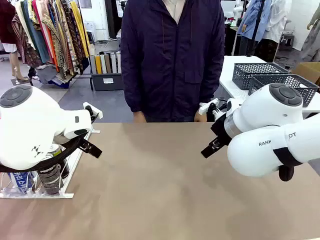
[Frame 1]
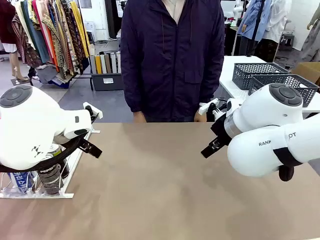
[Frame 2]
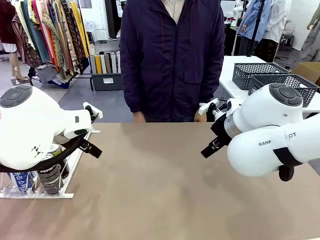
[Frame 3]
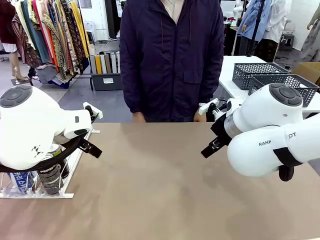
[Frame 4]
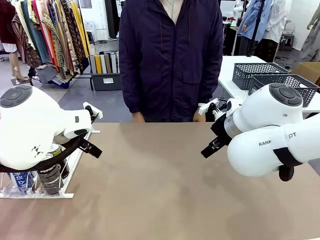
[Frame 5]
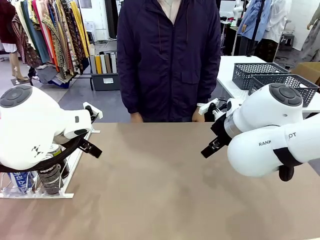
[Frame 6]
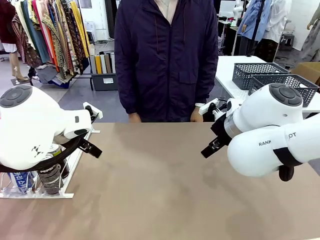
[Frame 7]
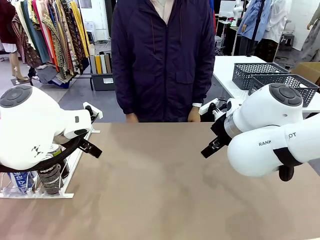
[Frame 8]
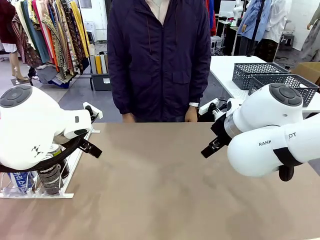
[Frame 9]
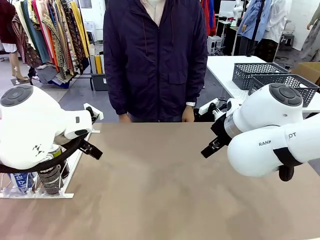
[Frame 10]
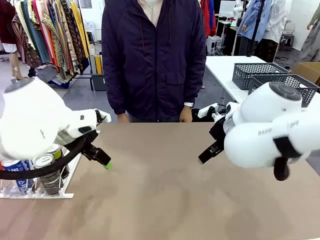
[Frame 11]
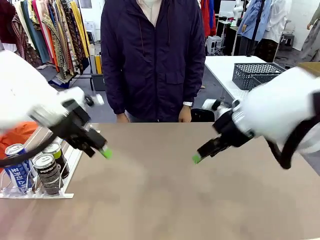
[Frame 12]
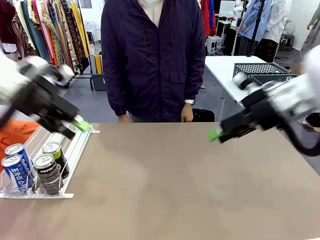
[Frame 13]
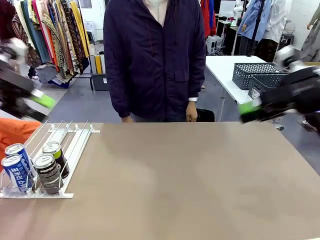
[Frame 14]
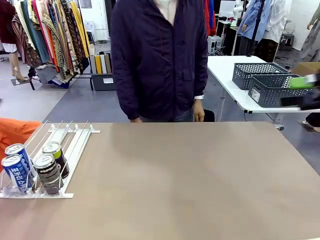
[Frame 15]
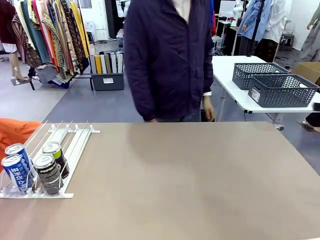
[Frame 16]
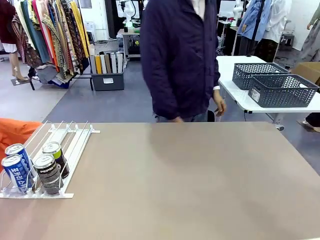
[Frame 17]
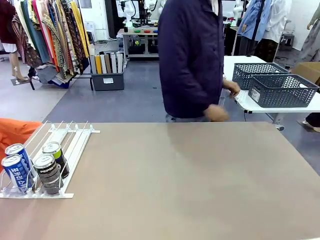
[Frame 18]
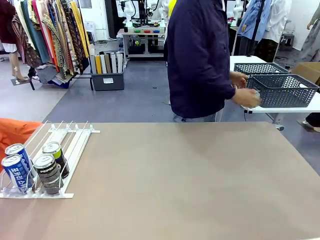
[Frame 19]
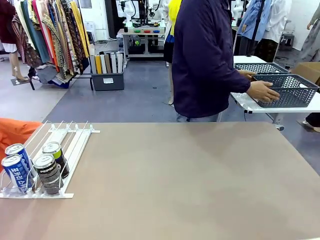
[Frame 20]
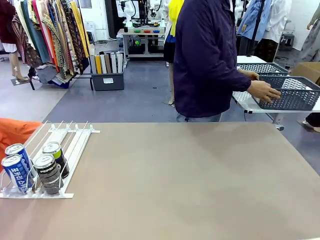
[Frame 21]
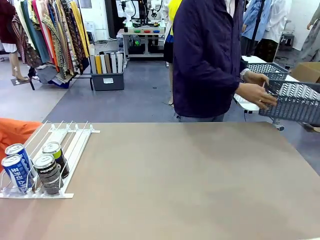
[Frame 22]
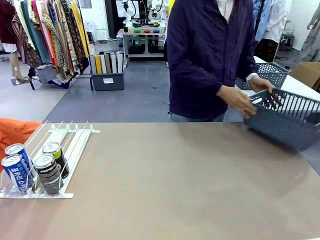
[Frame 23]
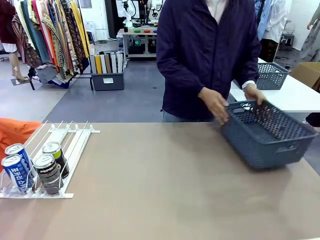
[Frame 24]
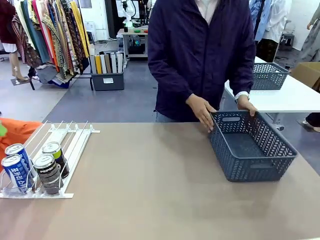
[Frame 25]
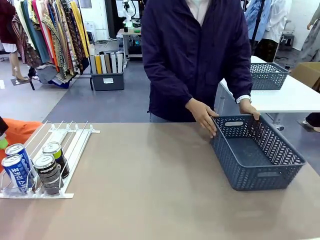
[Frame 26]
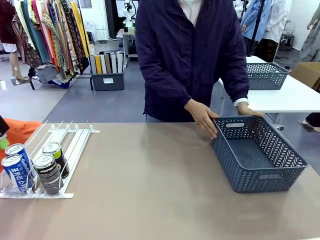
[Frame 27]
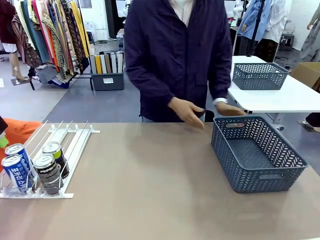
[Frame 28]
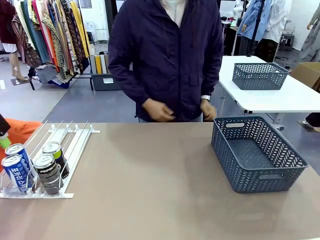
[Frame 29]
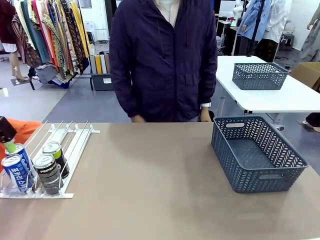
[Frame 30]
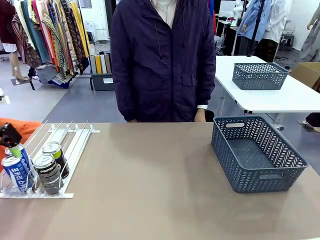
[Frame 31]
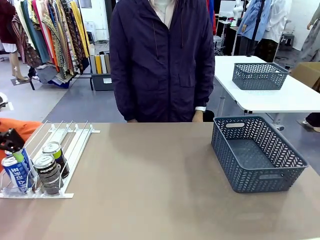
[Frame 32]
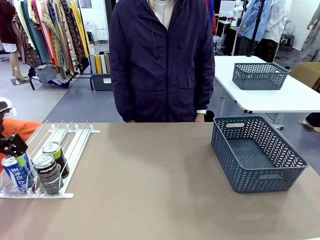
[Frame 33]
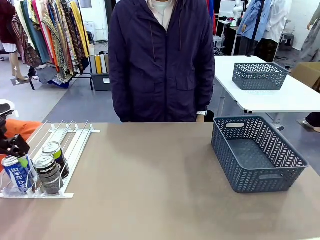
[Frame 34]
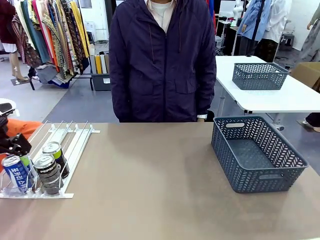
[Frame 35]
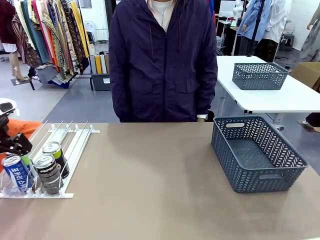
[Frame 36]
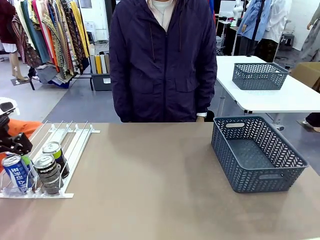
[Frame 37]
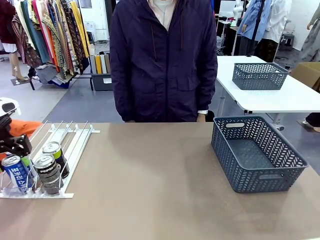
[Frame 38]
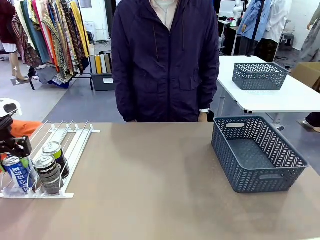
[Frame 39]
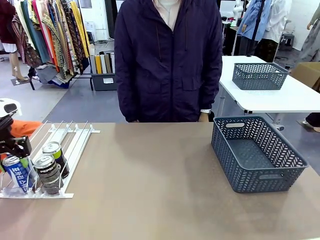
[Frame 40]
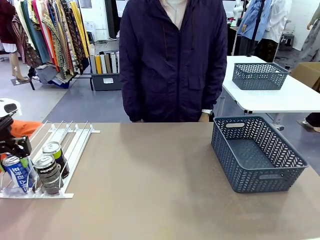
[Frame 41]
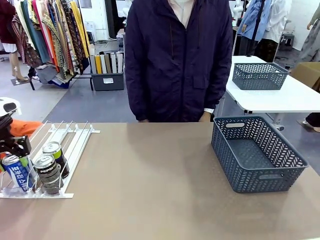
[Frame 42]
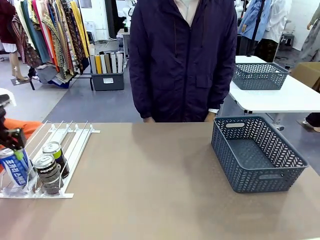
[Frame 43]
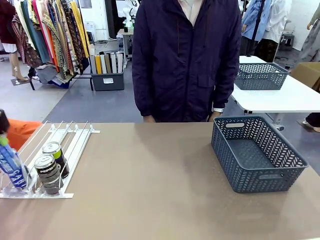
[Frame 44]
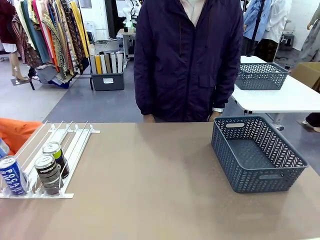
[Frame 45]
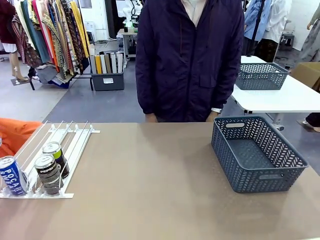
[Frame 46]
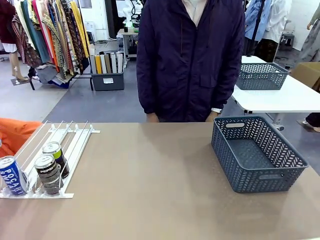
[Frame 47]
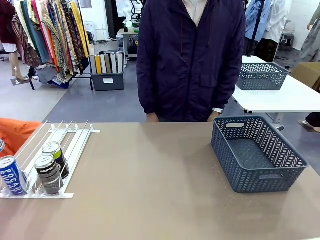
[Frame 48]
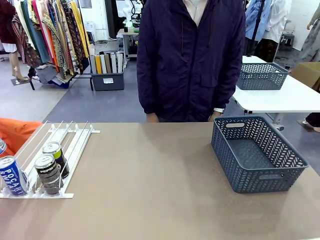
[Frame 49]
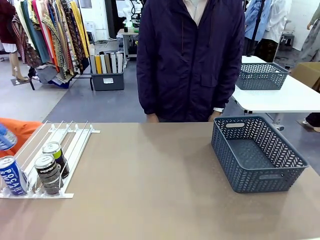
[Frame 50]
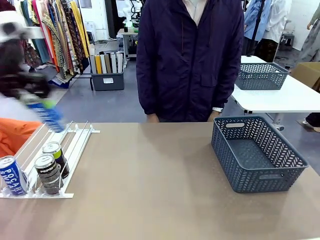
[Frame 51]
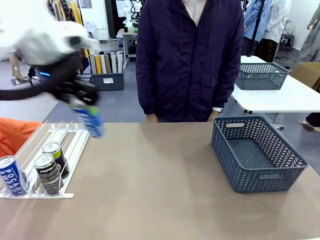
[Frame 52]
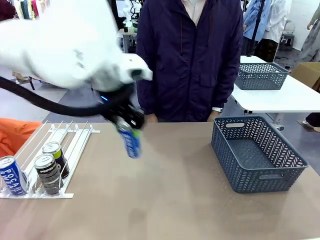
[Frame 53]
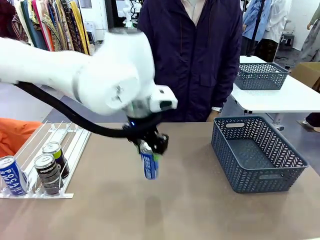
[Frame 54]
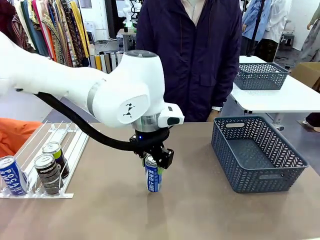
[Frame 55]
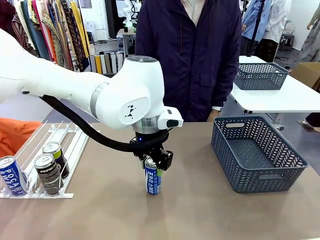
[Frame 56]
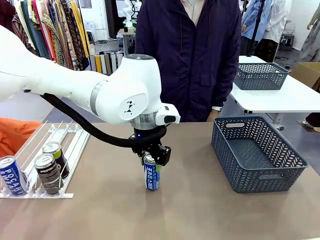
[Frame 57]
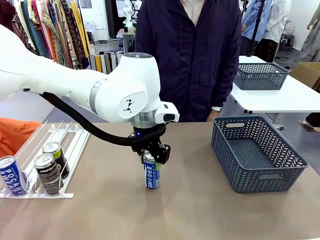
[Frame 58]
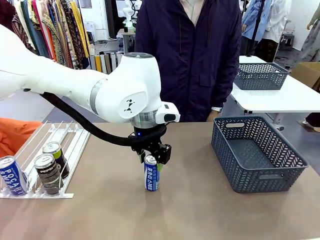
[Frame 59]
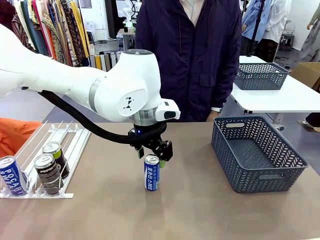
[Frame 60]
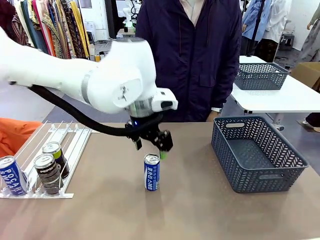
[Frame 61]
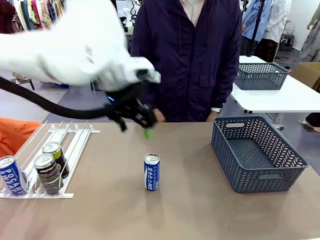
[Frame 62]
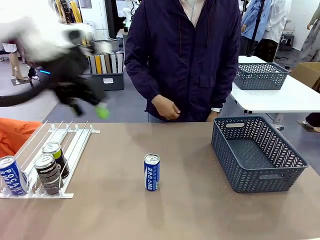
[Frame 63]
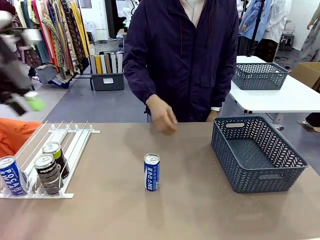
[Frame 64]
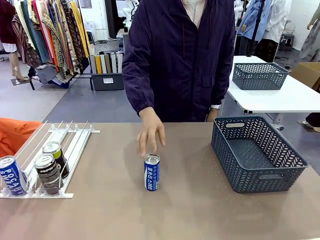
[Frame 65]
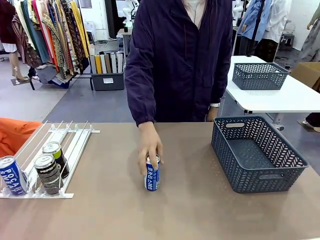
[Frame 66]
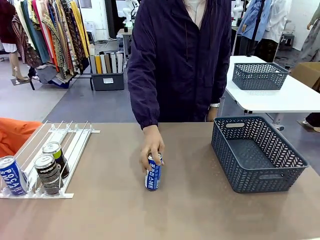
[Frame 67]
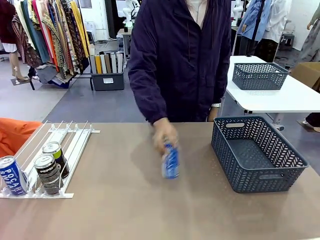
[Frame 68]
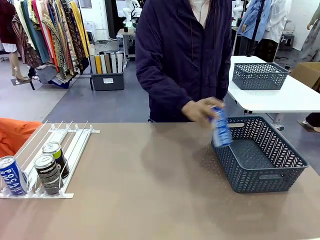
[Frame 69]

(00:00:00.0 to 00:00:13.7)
Task: Retrieve and store the cans from the dispenser.
Robot: Pick up one can from the Automatic Can Dispenser and place it in the middle of the table.
Person: Pick up the basket and place it on the left side of the robot table.

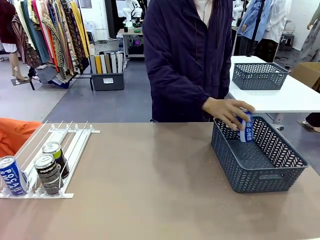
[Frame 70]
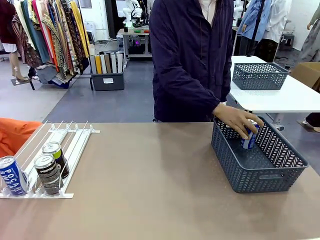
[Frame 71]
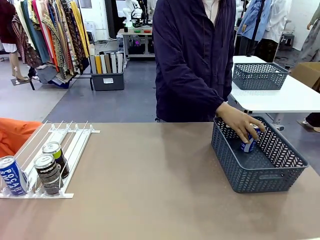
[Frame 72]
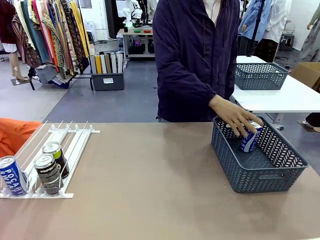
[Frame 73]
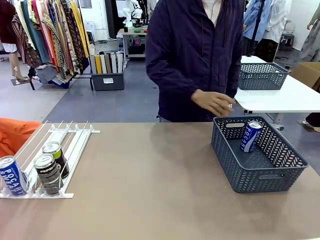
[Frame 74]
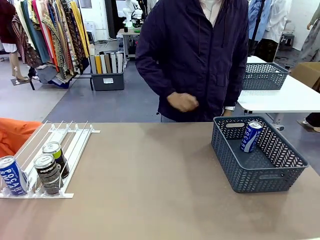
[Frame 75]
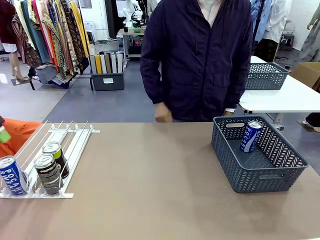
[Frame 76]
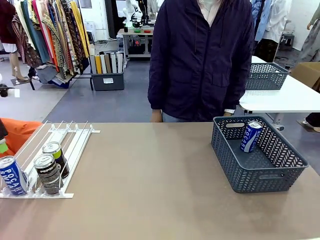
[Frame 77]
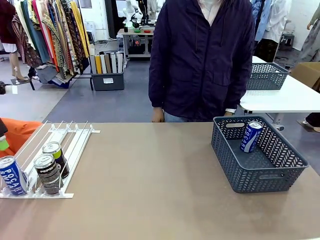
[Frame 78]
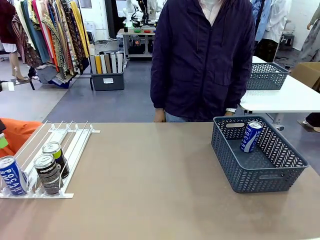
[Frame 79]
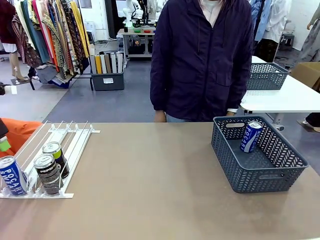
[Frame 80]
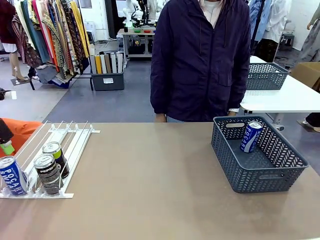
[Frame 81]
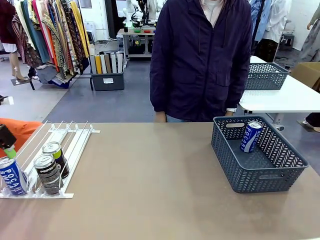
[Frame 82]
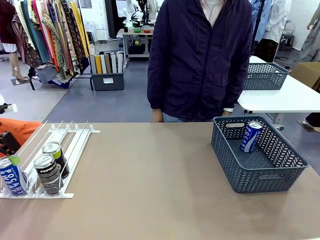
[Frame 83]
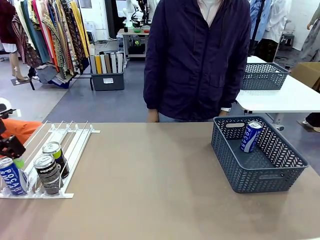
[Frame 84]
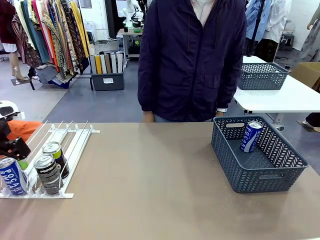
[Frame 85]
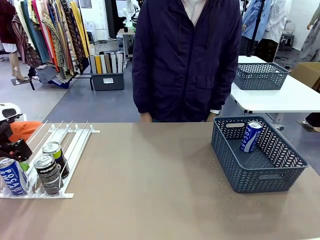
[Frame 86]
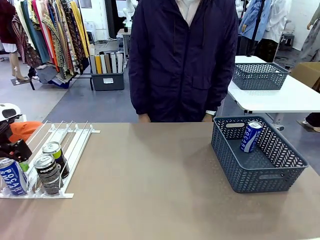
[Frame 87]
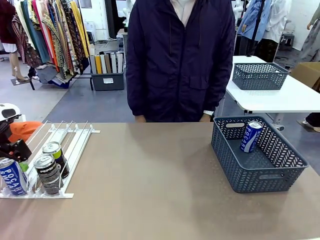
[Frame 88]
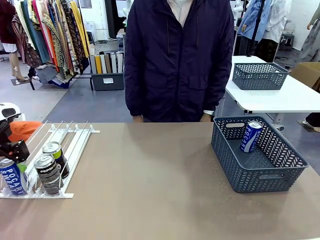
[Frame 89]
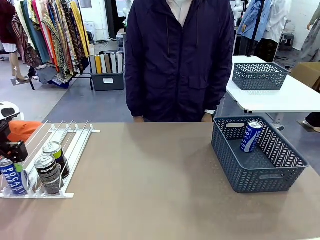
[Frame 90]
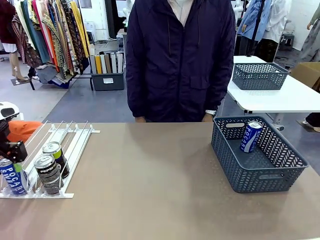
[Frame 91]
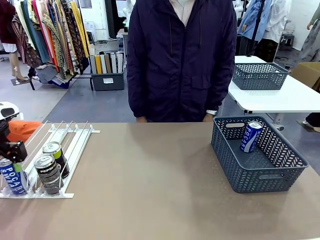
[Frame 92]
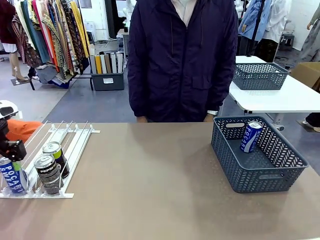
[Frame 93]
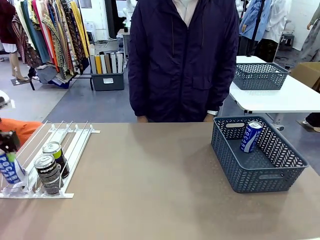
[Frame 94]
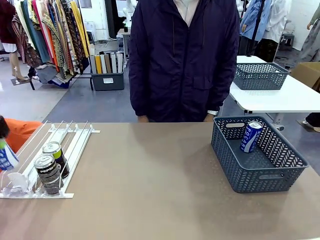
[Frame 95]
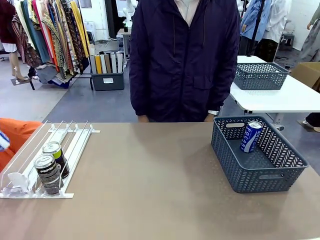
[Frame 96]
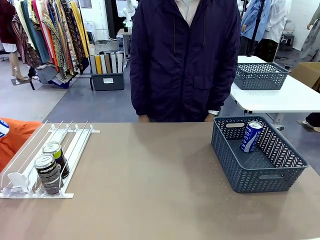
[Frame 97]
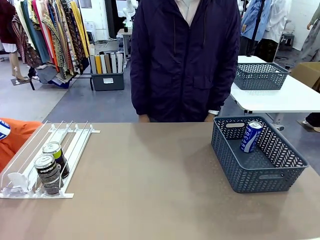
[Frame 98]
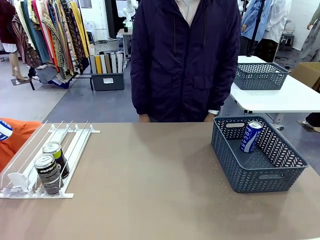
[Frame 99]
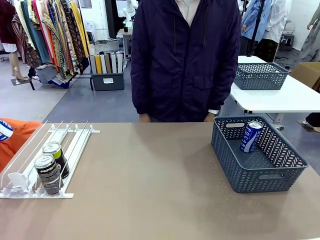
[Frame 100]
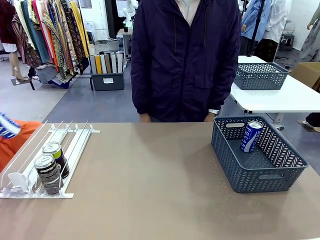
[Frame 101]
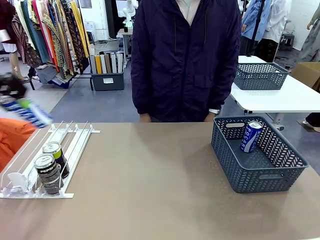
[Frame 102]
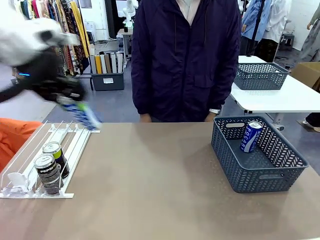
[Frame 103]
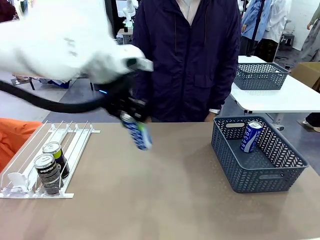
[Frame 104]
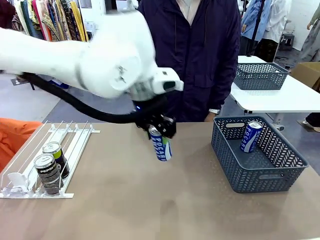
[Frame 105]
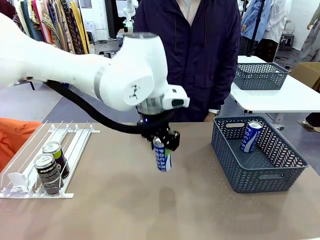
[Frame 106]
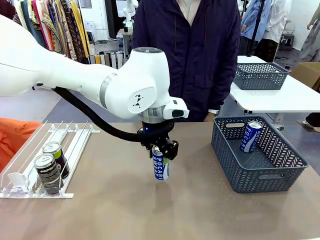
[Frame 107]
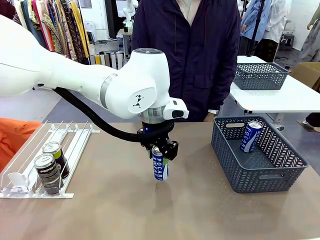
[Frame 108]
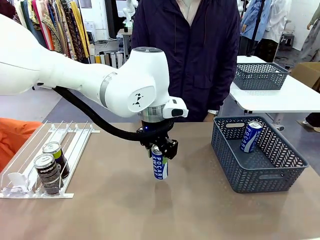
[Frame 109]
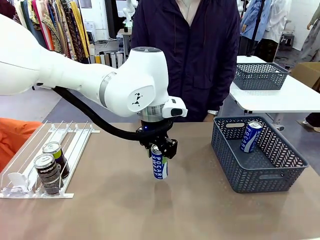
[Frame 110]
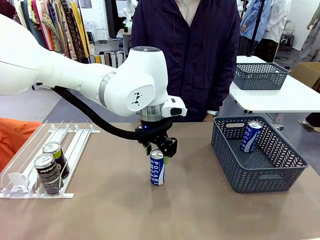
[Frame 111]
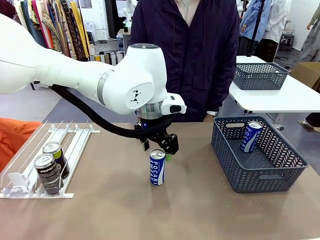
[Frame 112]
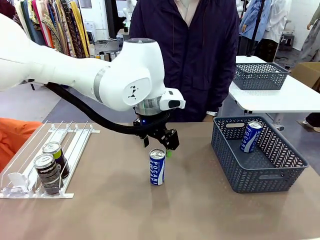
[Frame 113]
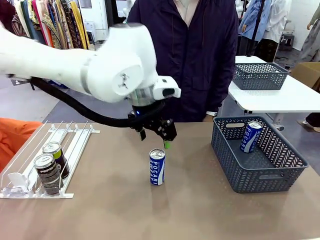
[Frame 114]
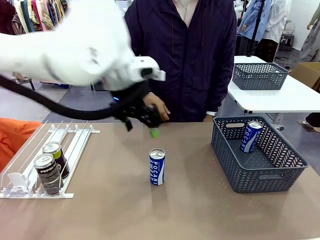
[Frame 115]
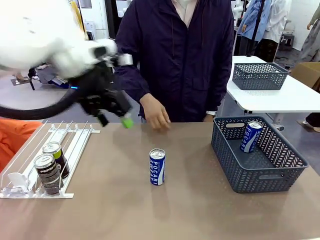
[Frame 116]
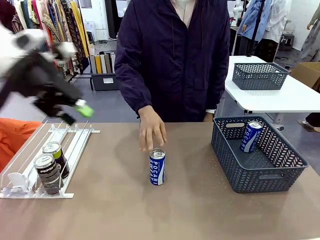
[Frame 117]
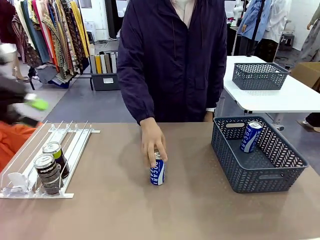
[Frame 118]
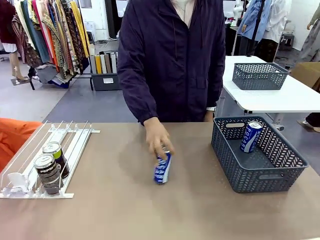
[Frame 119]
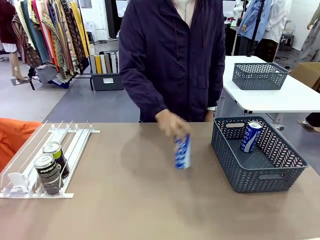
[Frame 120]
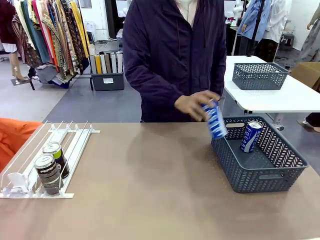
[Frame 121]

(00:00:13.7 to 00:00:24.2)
Robot: Pick up the last remaining can from one row of the Automatic Can Dispenser and place it in the middle of the table.
Person: Pick up one Pepsi can from the middle of the robot table and place it in the basket.
